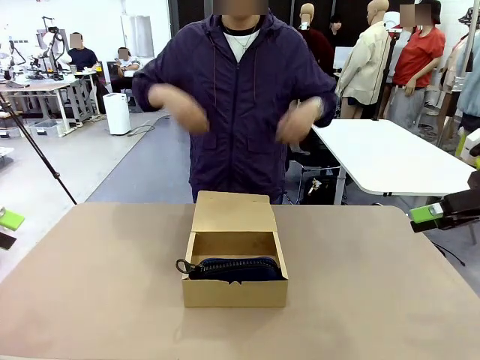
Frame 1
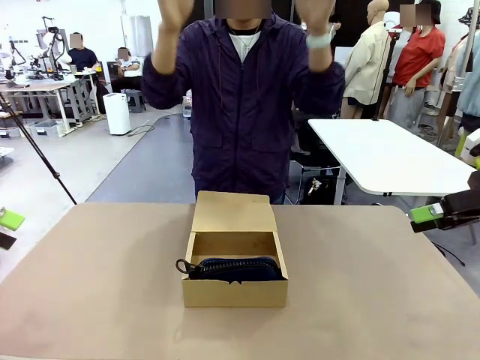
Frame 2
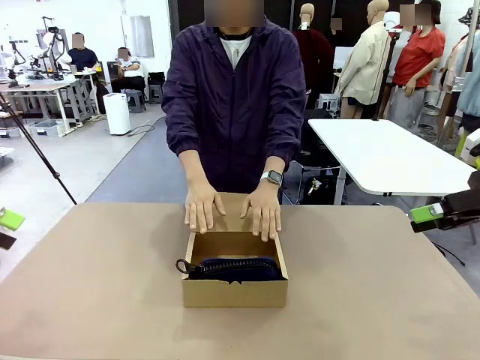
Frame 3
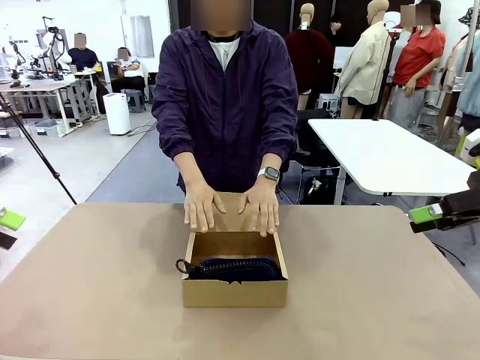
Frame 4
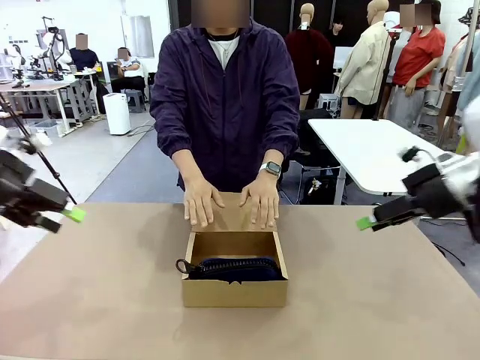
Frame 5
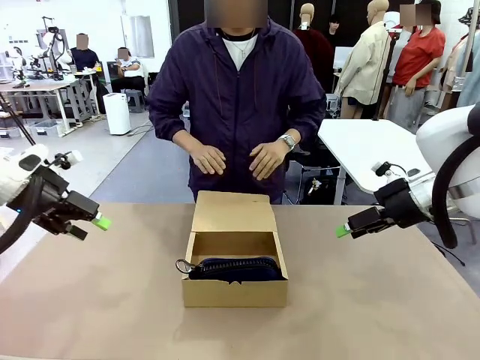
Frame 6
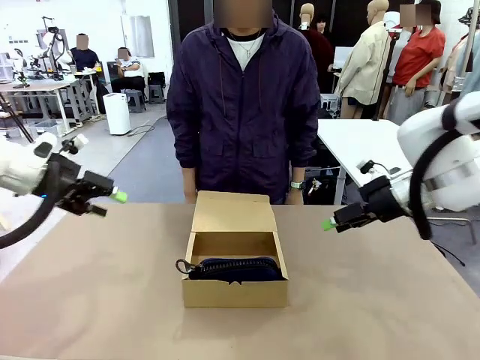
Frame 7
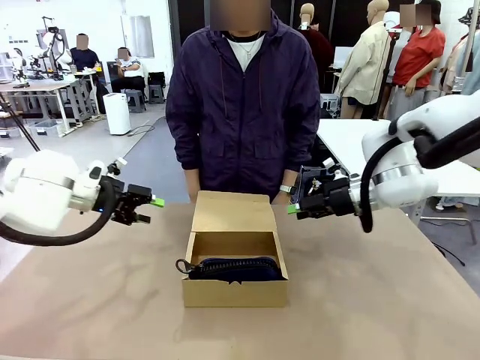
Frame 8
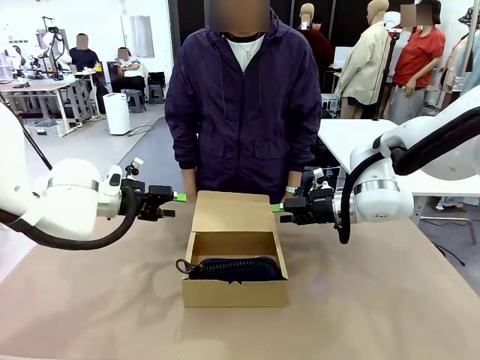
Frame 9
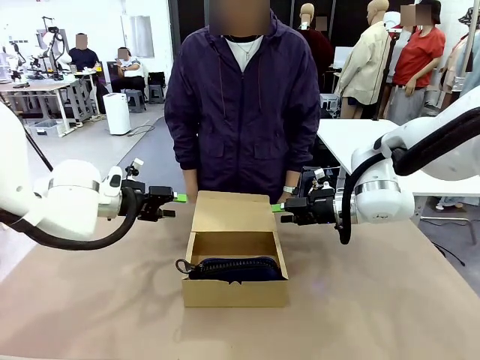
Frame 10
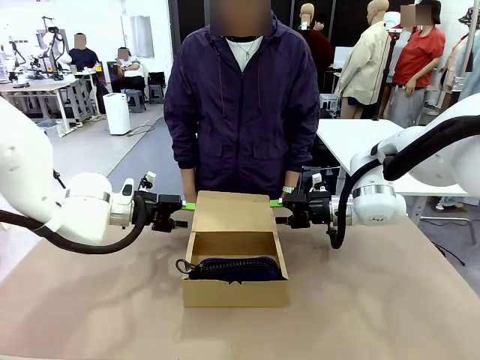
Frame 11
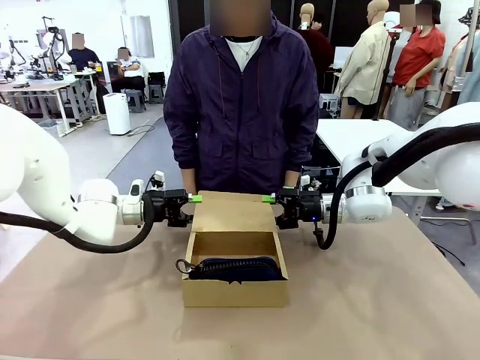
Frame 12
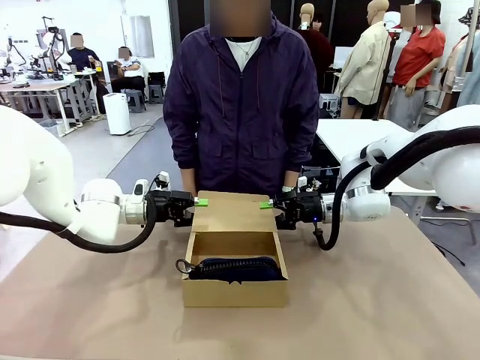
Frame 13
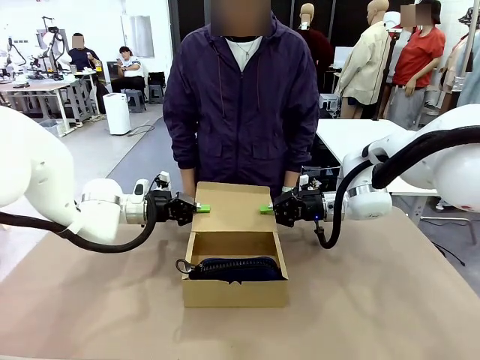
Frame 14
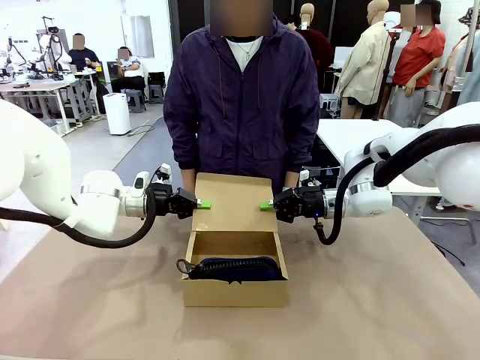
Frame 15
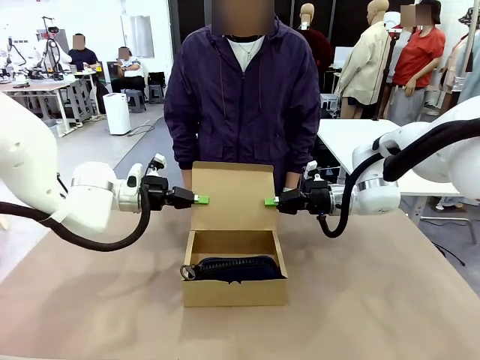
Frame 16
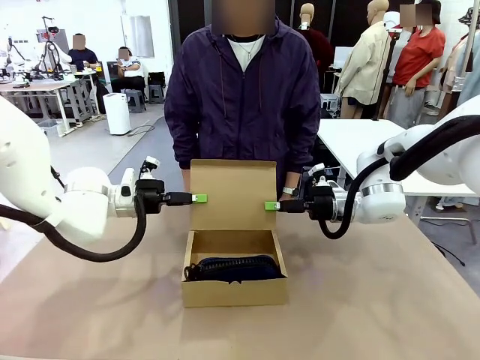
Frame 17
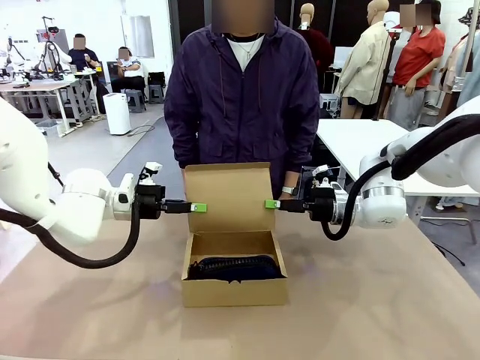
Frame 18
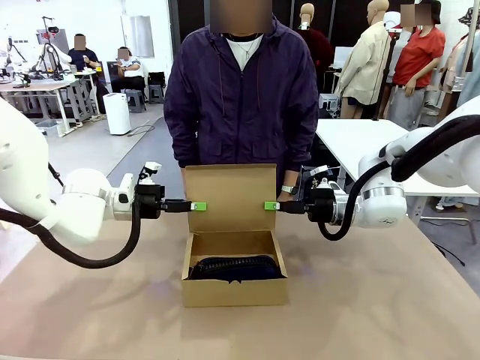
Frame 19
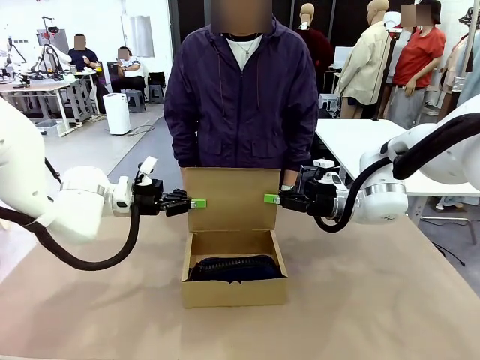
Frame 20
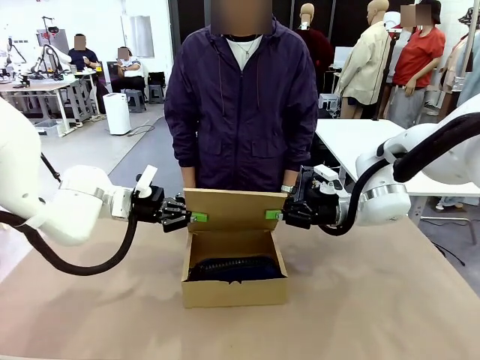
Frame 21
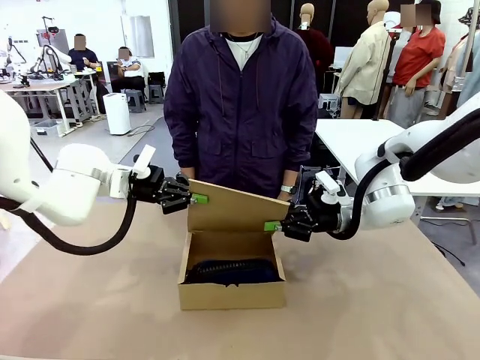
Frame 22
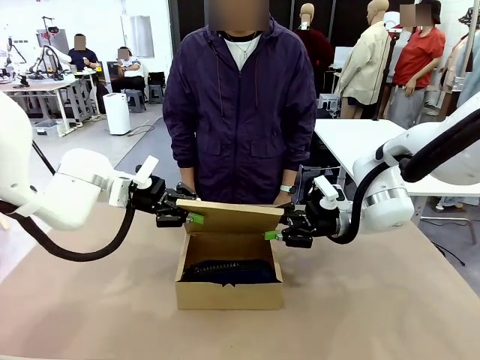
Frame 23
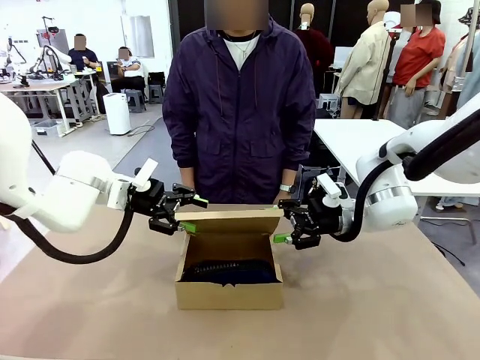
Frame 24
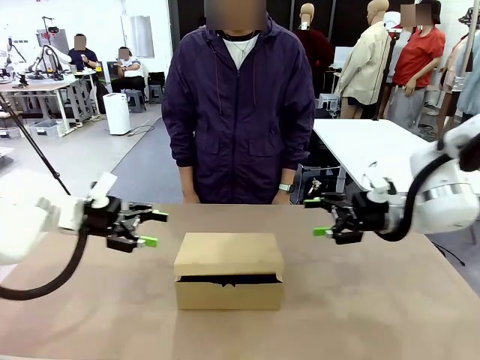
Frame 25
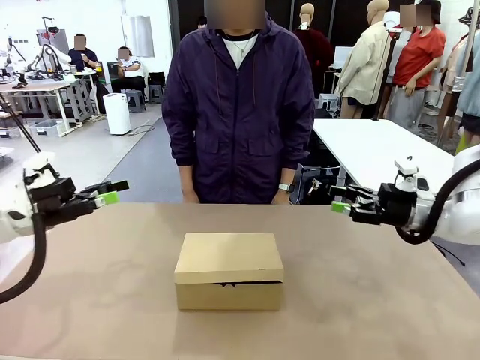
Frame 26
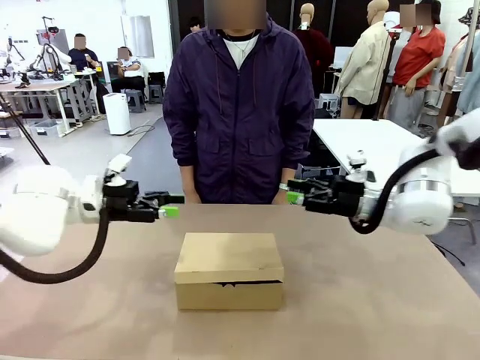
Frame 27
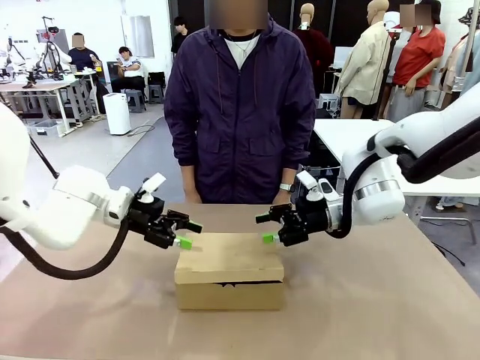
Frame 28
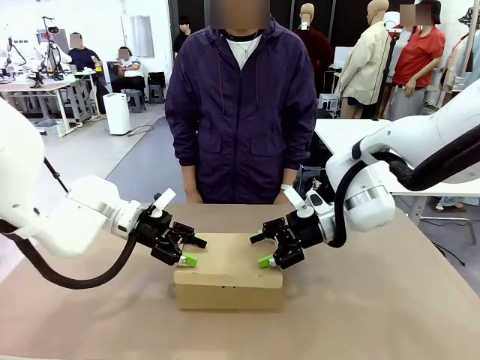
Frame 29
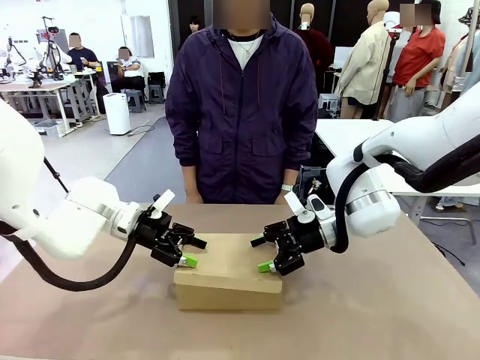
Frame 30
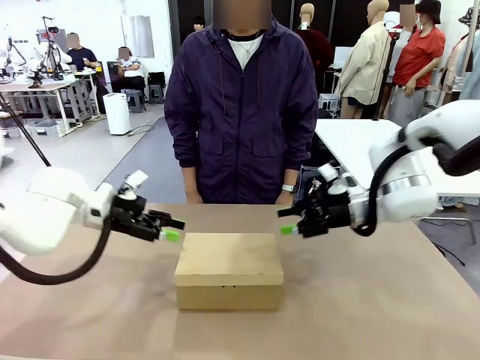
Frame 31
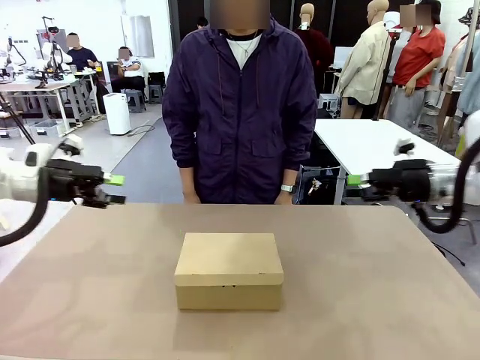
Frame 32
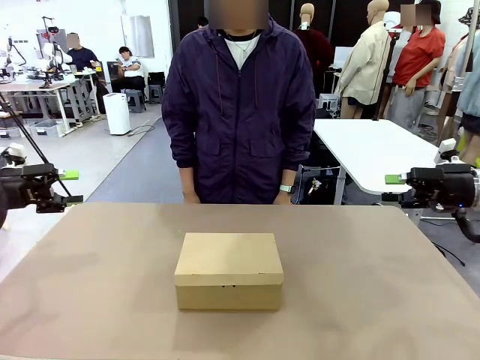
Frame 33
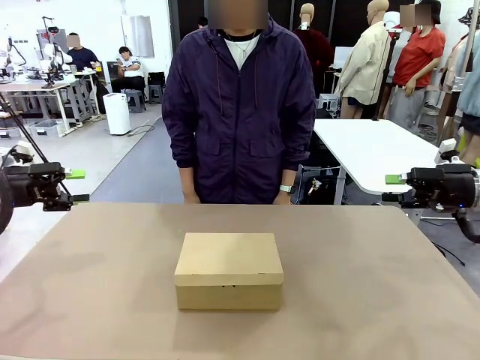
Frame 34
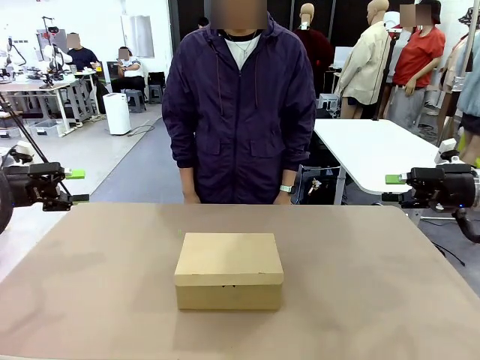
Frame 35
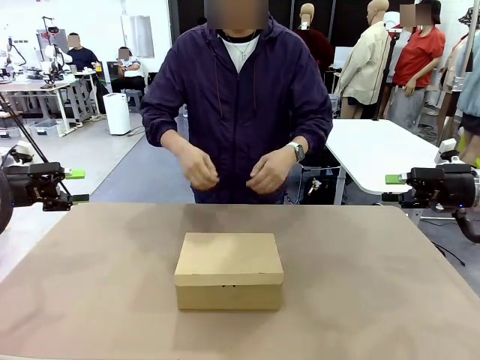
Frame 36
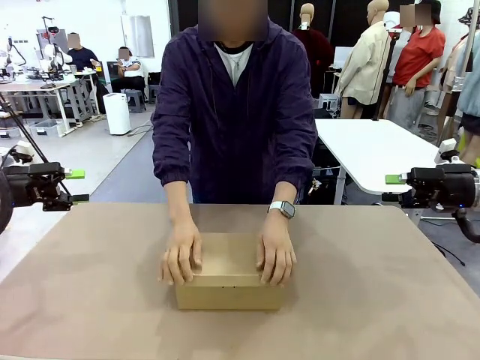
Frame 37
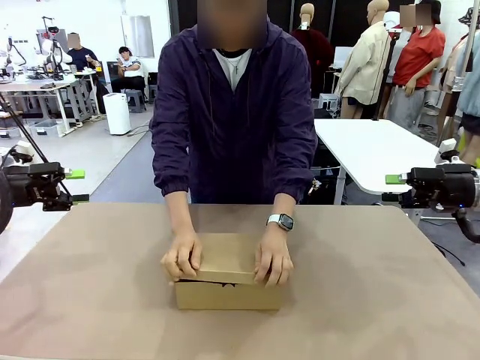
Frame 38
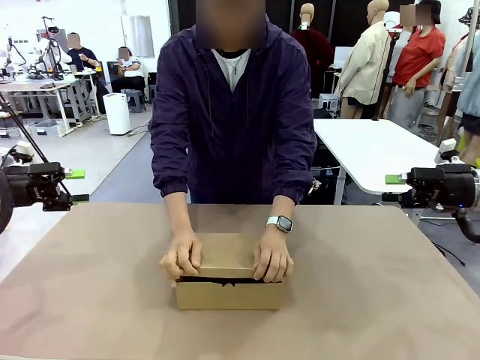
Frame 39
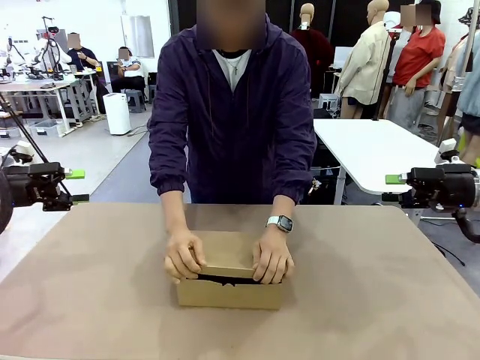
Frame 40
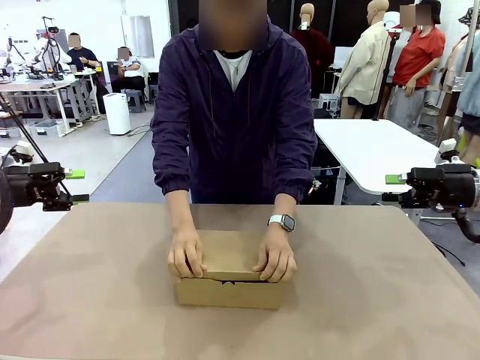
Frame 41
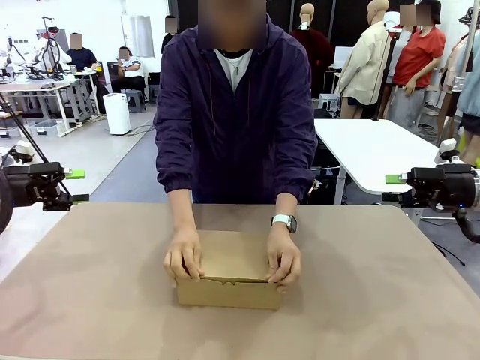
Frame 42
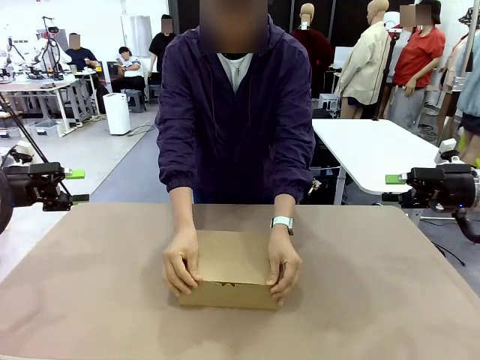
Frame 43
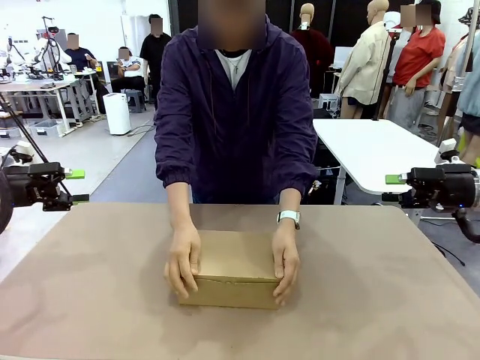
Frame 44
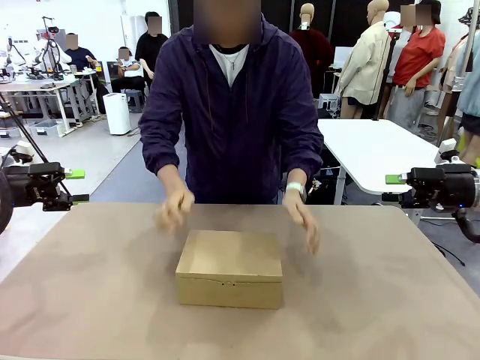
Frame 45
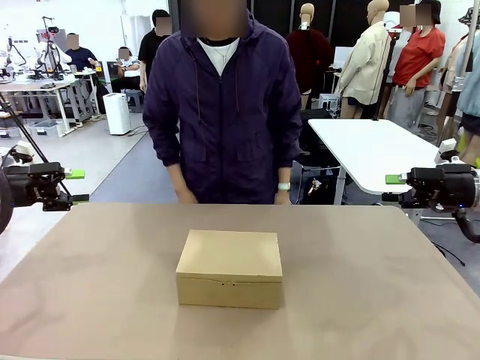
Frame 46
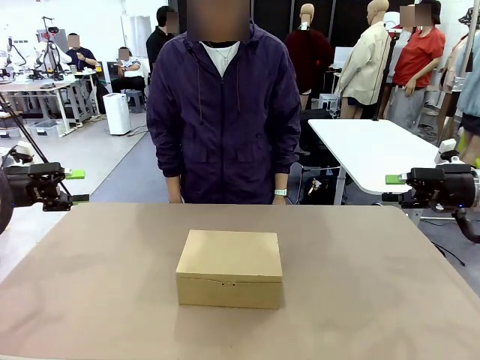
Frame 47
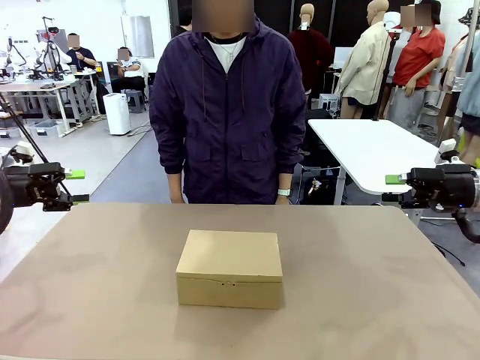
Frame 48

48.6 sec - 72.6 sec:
Task: Pack the items into the box.
Robot: Close the Mailer Box.
Person: Turn the box and lock it.
